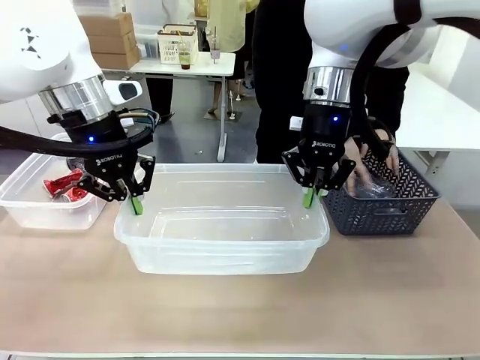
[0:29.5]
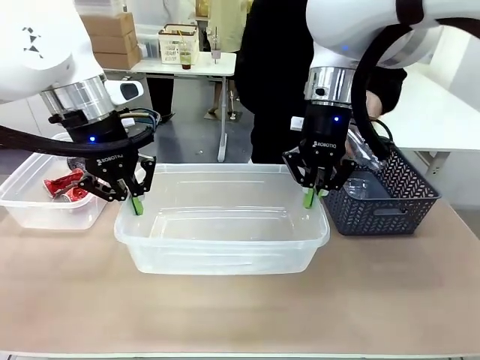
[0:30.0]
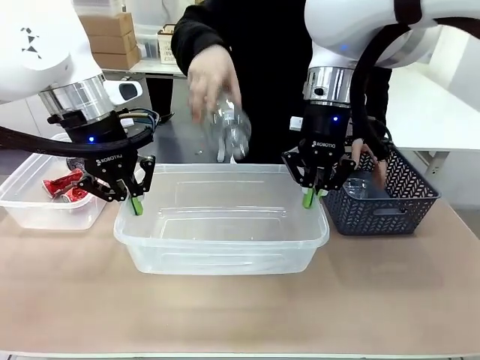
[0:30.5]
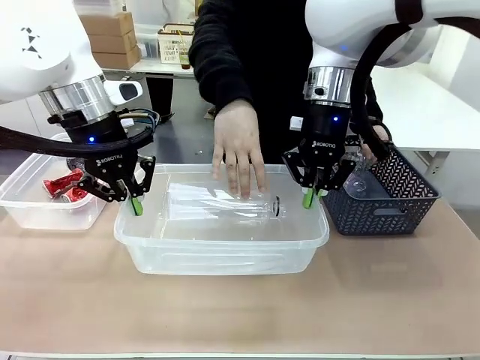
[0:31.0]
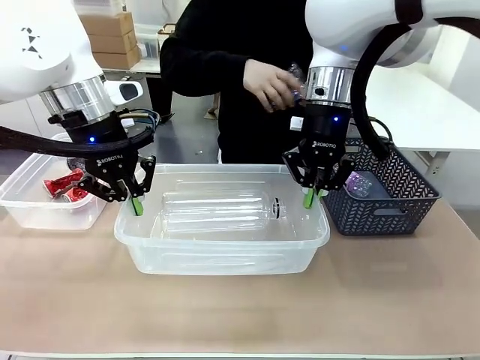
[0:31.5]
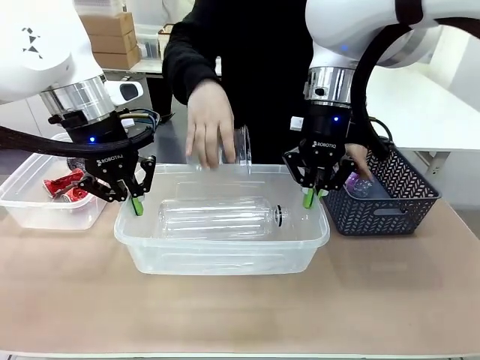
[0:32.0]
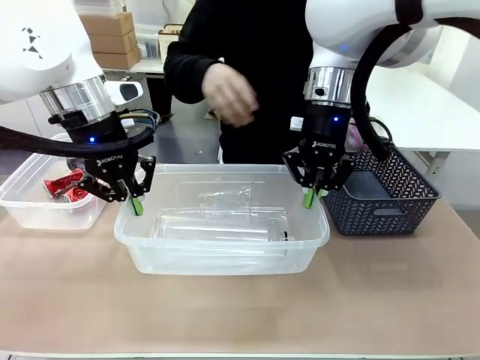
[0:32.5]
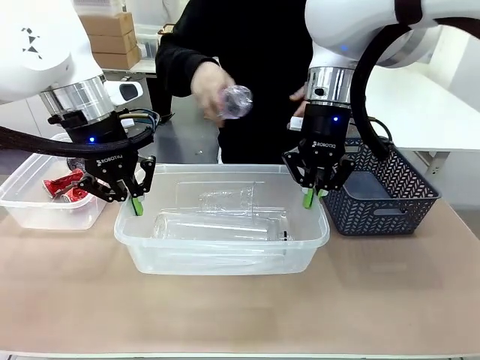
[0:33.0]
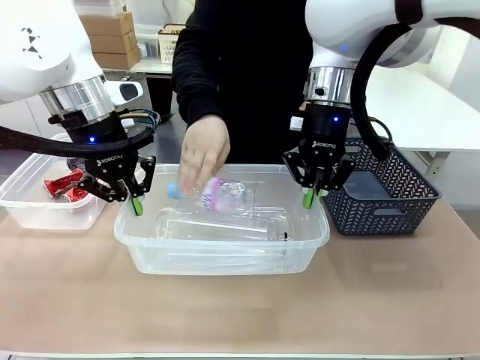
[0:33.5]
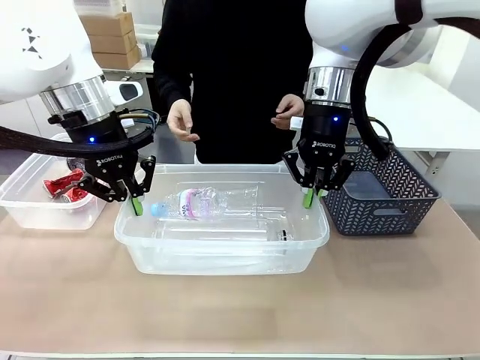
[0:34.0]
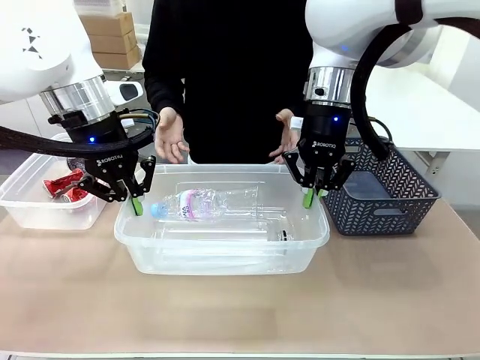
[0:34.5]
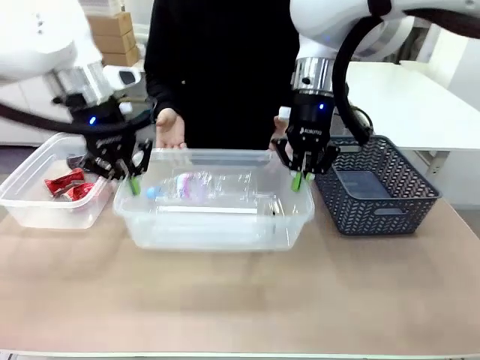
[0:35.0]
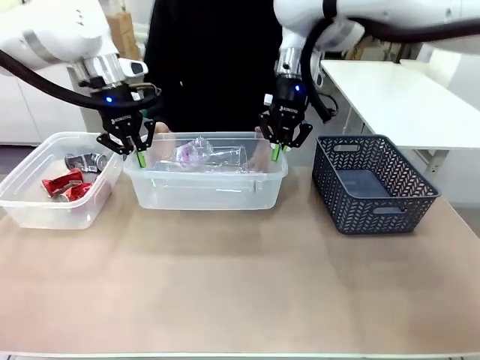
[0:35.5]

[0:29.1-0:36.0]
Robot: Offer the picked Organizing box to the human.
Person: Pick up plastic waste one by one and place it into the organizing box lifted by the robot.

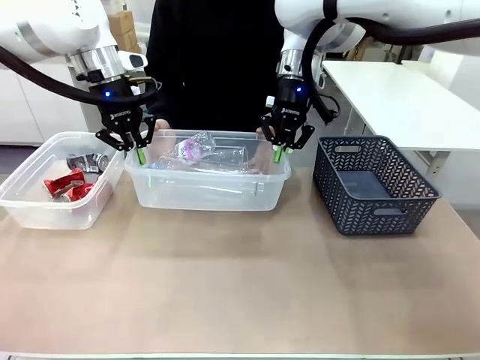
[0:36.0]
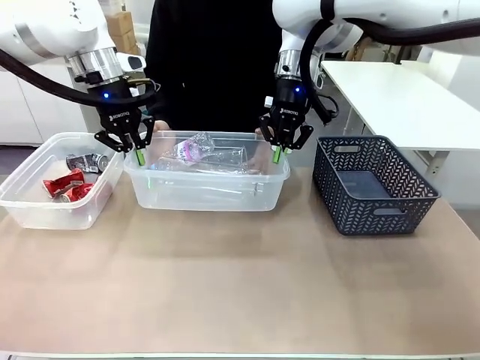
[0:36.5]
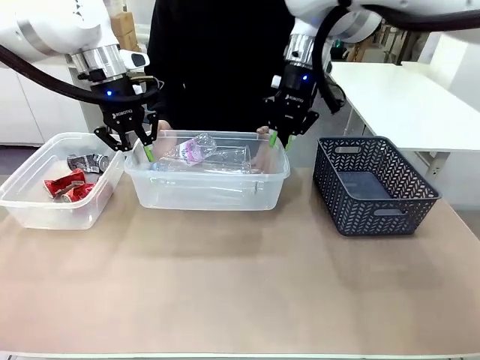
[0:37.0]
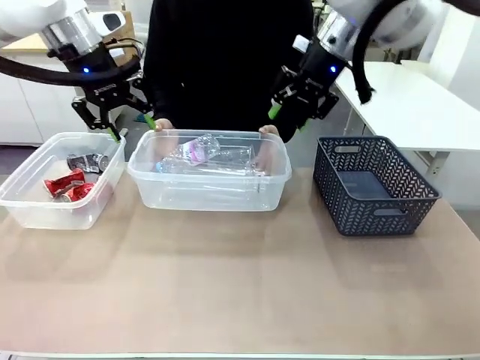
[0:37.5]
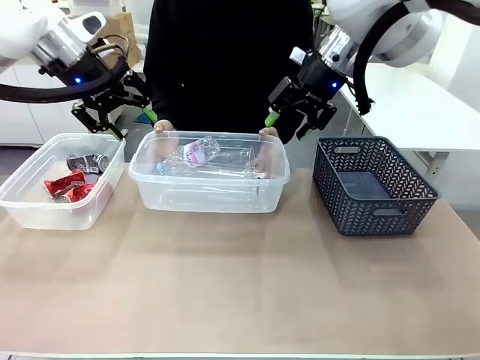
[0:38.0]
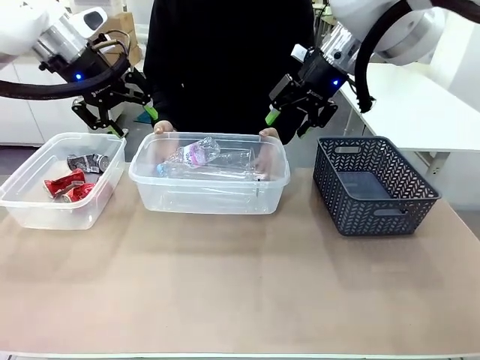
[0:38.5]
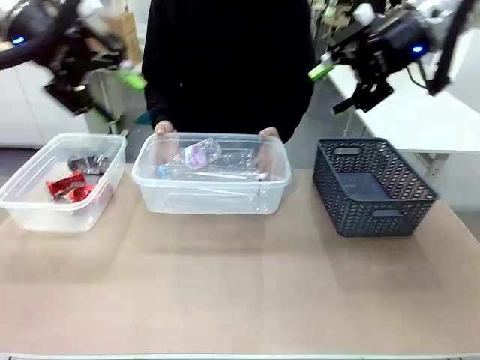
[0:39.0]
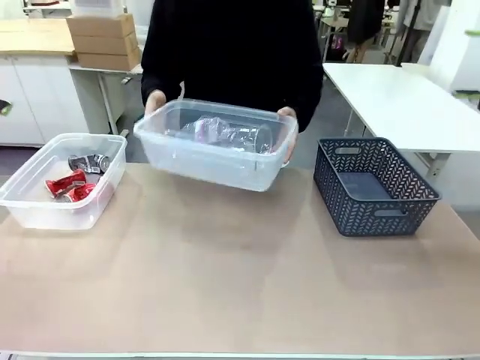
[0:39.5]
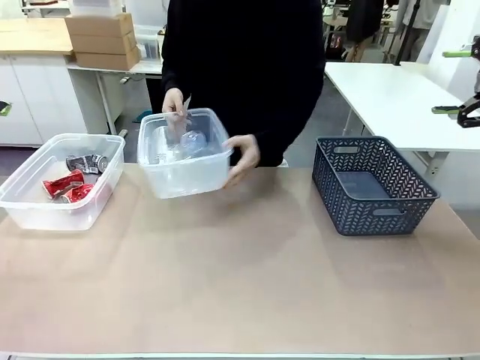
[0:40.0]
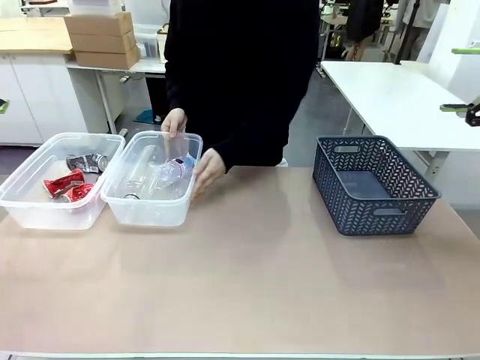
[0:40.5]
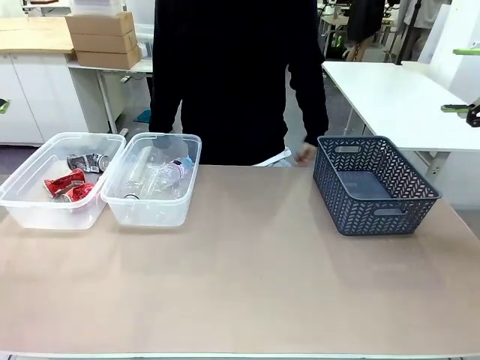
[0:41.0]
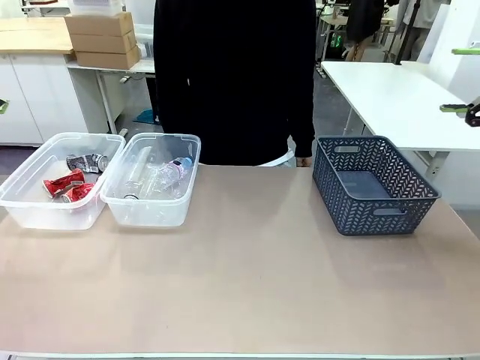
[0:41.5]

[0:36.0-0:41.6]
Robot: Release the Organizing box you were holding.
Person: Pick up the organizing box extended by the robot. Place the organizing box to the left of the sorting box containing the can waste.

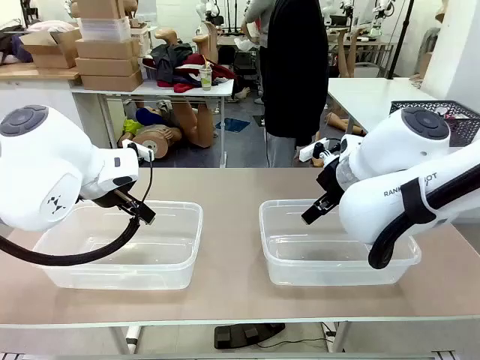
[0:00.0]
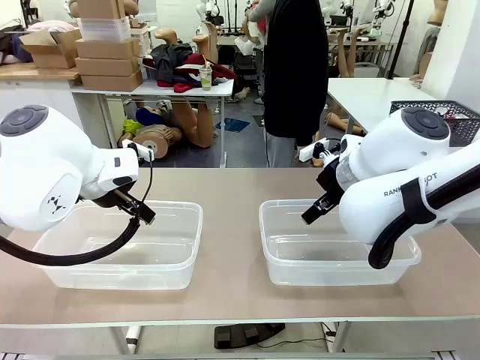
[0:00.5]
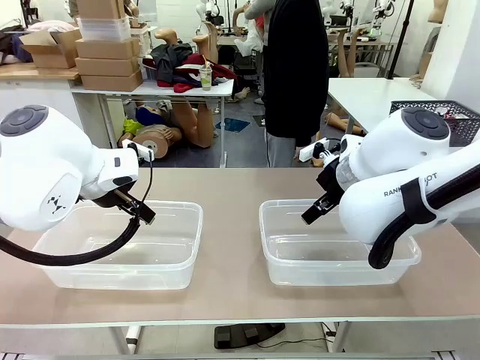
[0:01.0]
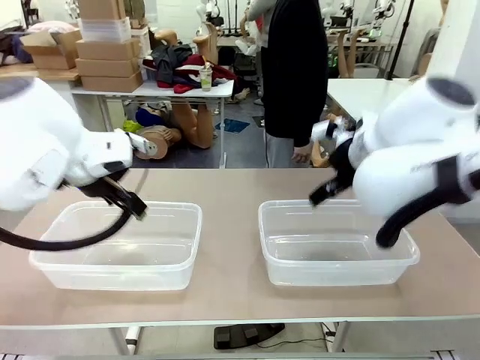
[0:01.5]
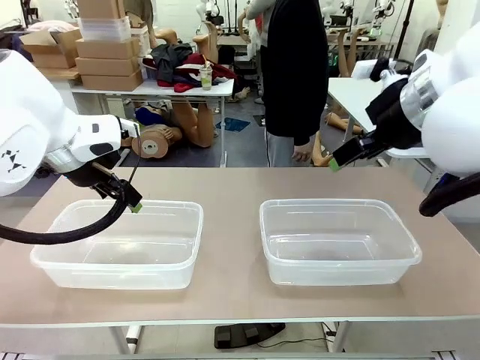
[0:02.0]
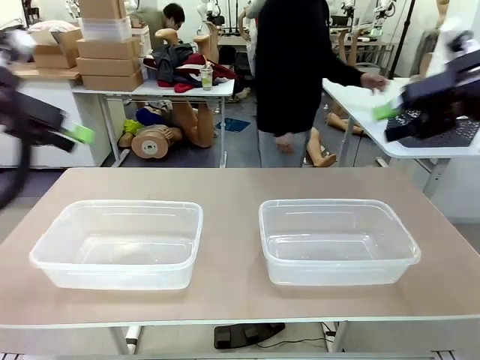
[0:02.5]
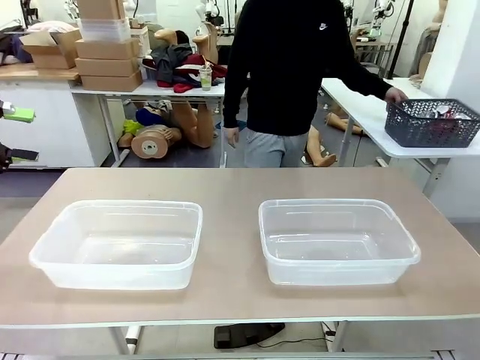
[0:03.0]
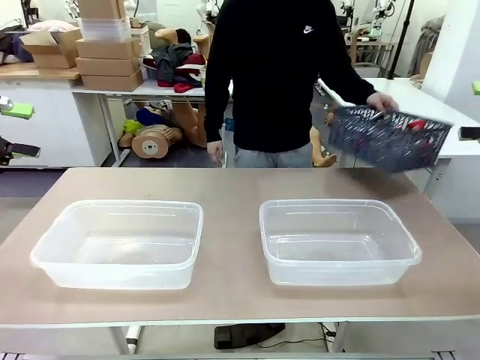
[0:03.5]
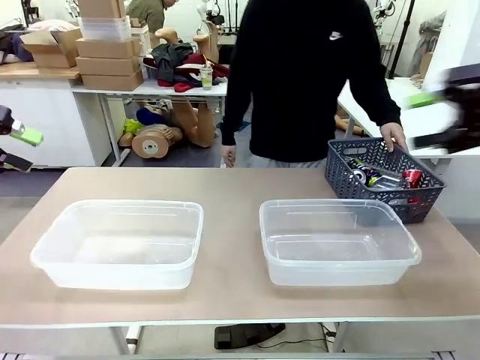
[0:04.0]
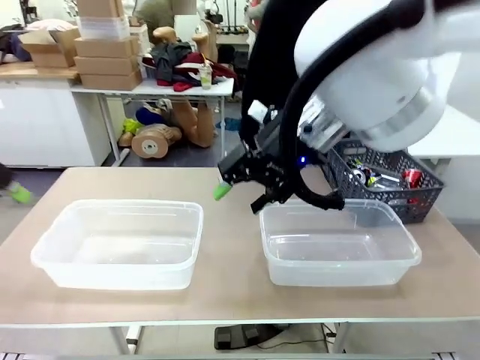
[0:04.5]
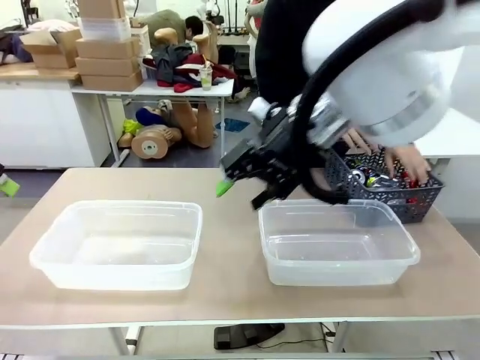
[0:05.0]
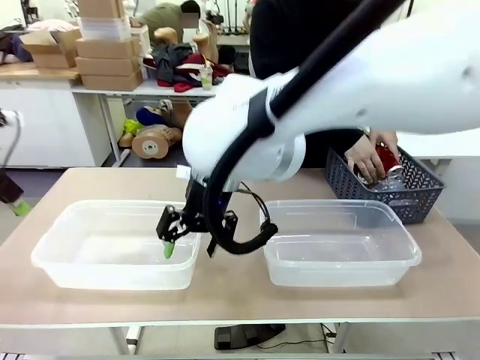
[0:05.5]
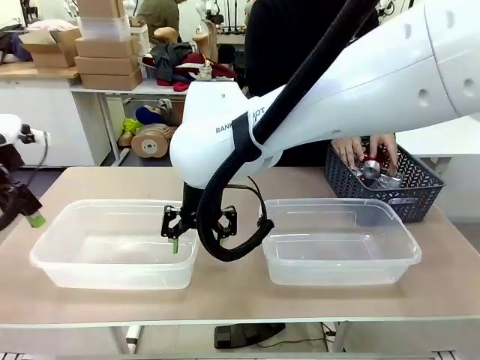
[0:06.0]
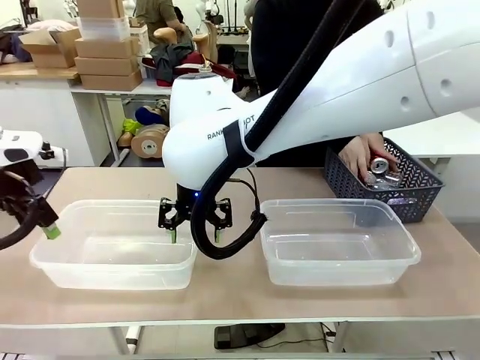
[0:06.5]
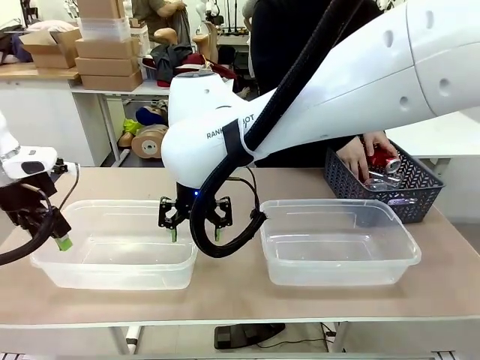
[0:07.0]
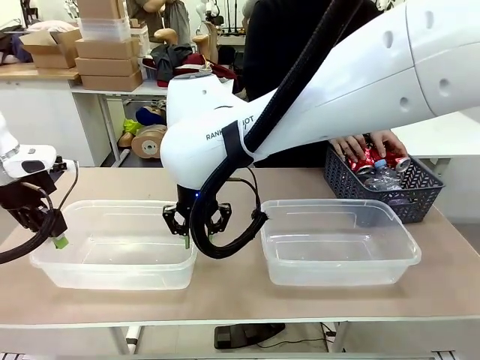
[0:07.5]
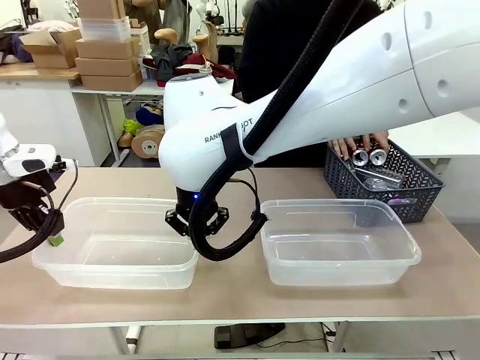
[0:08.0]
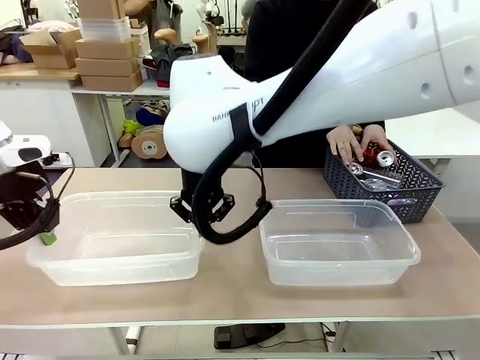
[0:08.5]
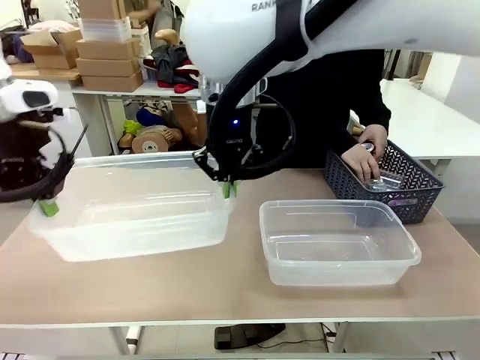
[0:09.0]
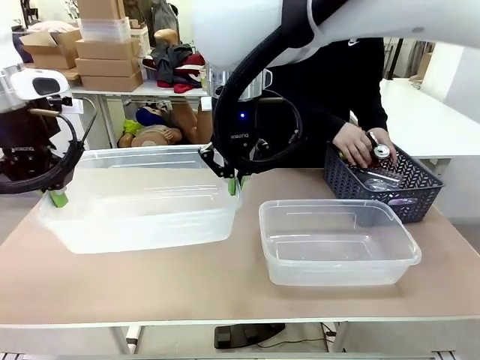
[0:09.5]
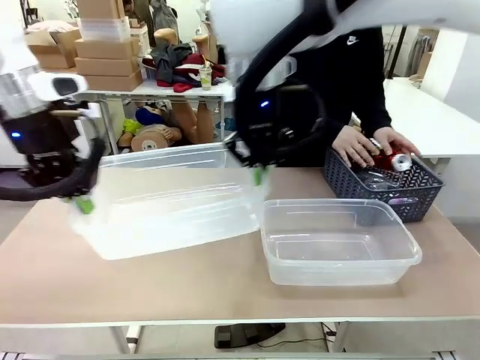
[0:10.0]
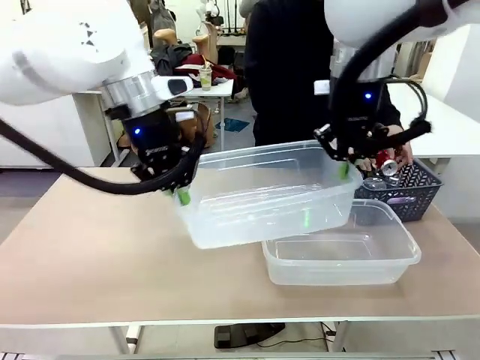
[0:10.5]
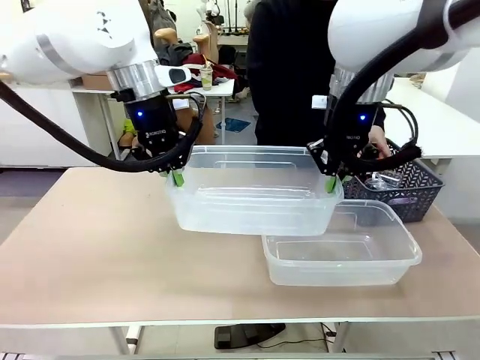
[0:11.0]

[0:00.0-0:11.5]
Robot: Pick up the Organizing box on the left side of the table and lift it.
Person: Pick up the storage basket and place it on the left side of the robot table. Pick up can-shaped waste one by one and place it into the organizing box lifted by the robot.
